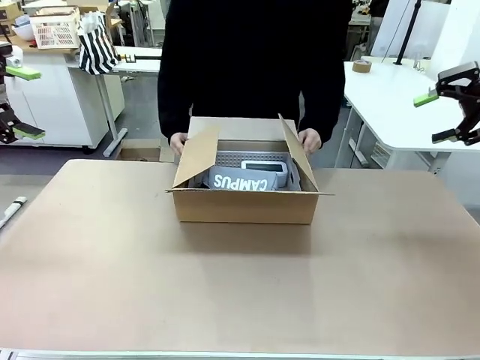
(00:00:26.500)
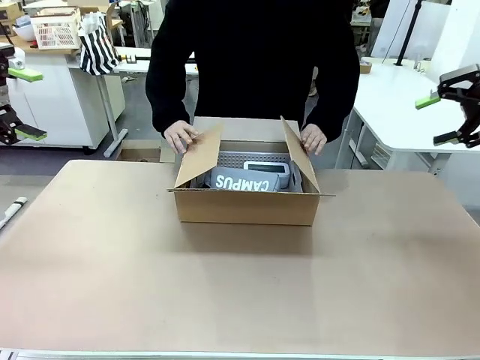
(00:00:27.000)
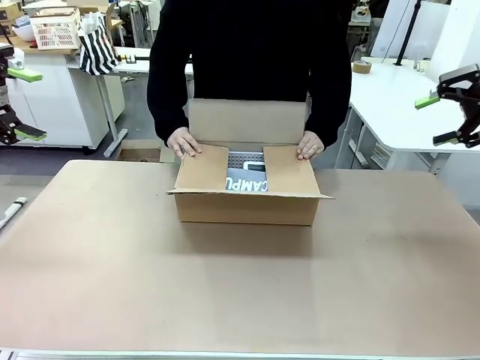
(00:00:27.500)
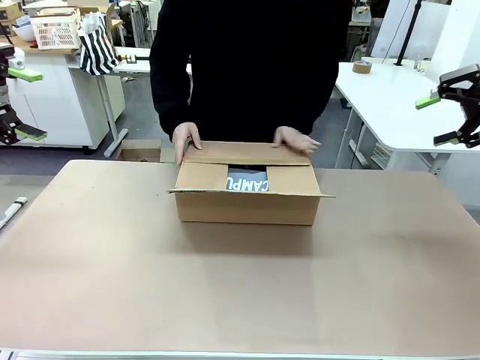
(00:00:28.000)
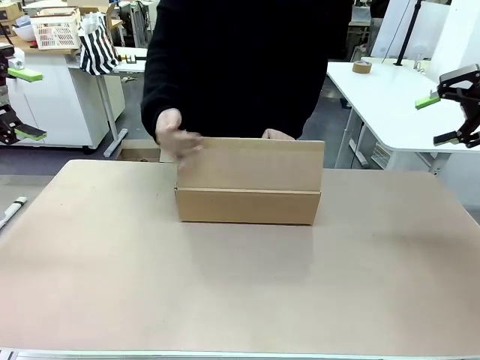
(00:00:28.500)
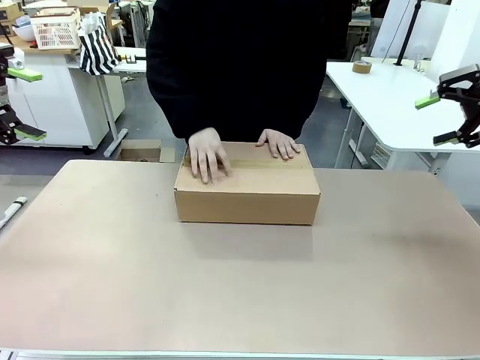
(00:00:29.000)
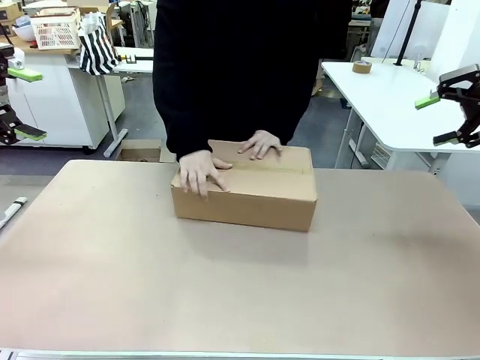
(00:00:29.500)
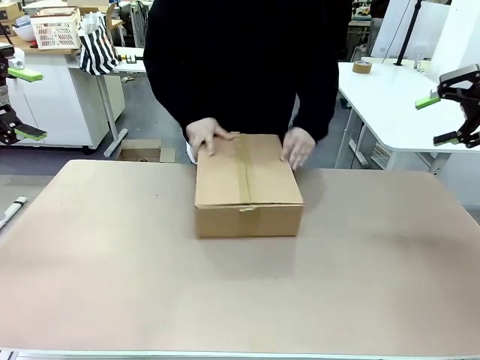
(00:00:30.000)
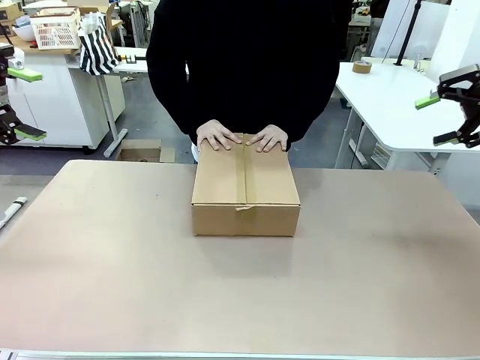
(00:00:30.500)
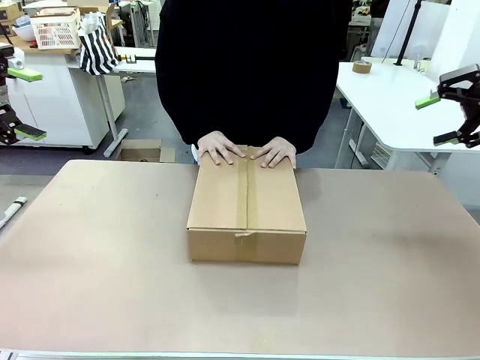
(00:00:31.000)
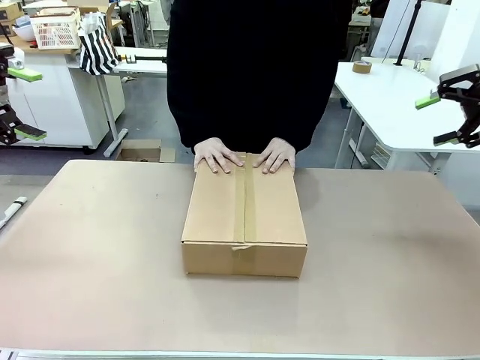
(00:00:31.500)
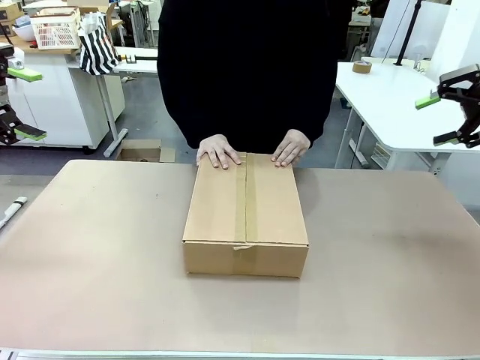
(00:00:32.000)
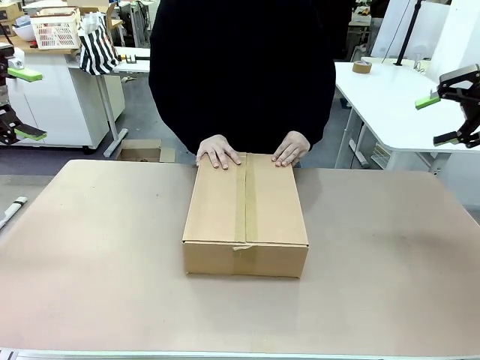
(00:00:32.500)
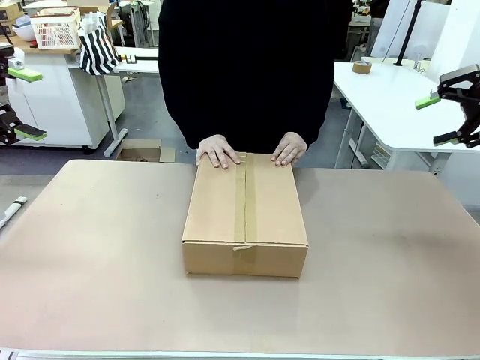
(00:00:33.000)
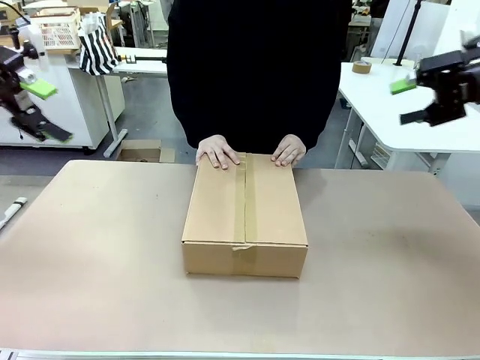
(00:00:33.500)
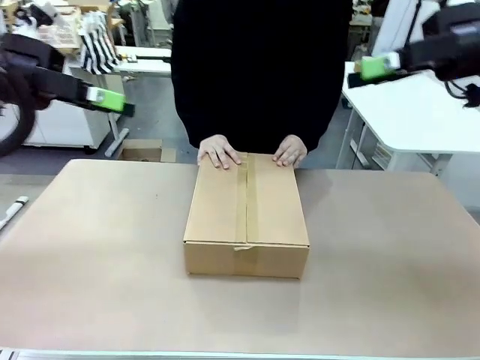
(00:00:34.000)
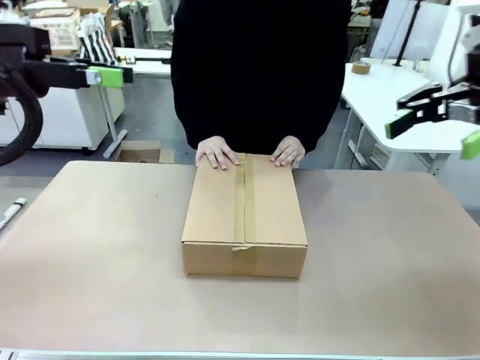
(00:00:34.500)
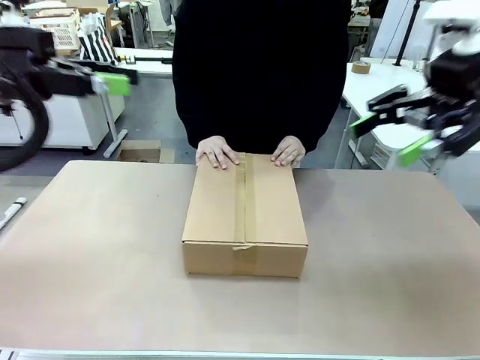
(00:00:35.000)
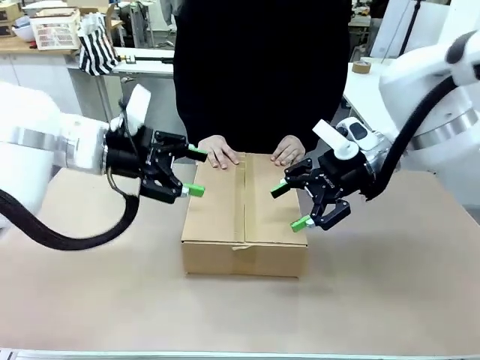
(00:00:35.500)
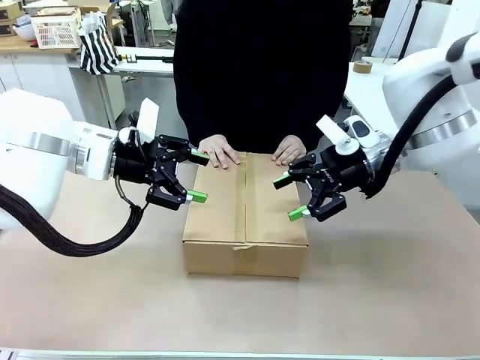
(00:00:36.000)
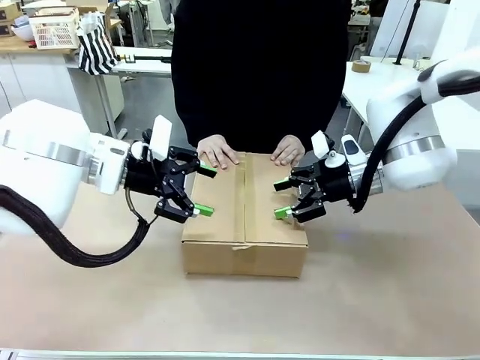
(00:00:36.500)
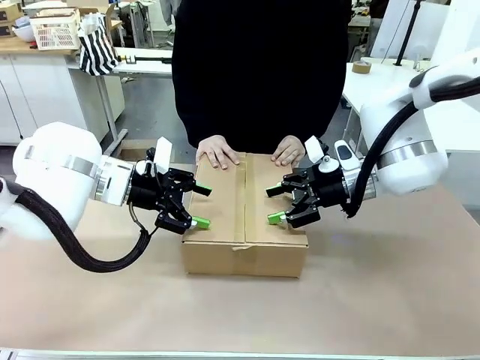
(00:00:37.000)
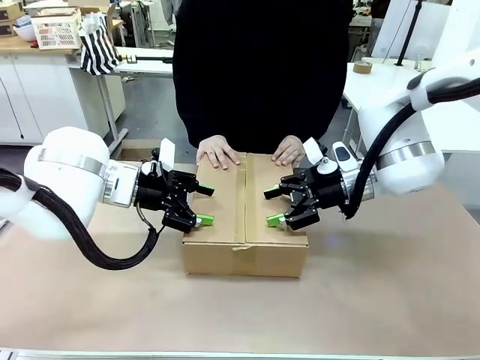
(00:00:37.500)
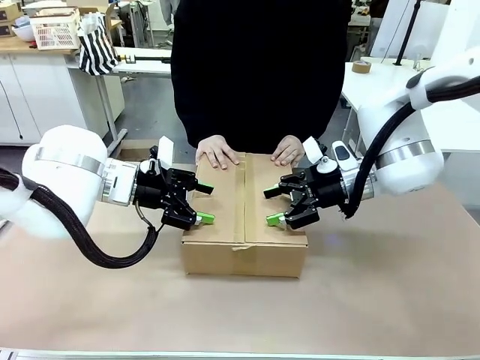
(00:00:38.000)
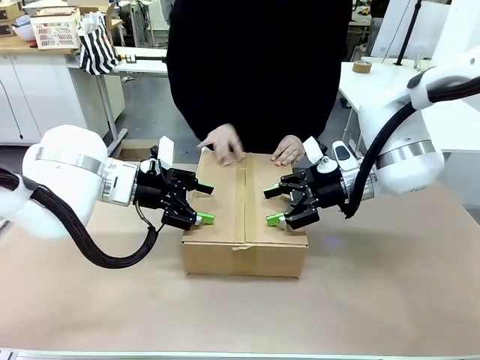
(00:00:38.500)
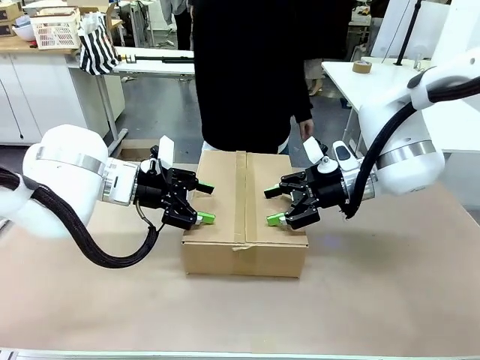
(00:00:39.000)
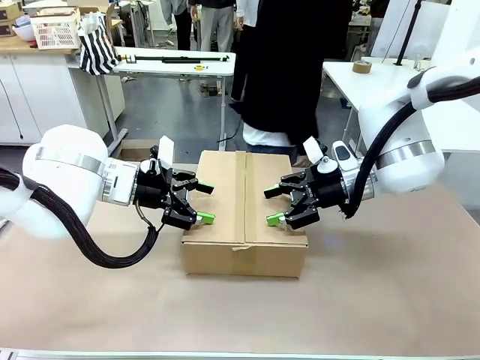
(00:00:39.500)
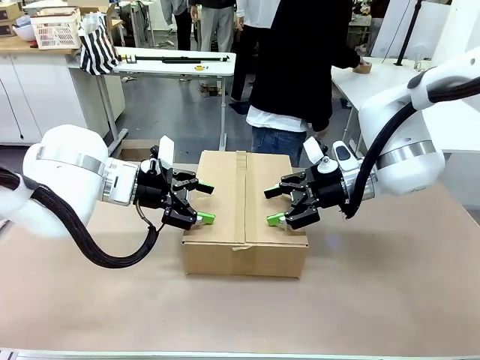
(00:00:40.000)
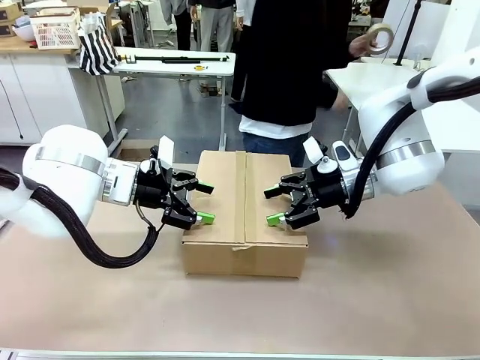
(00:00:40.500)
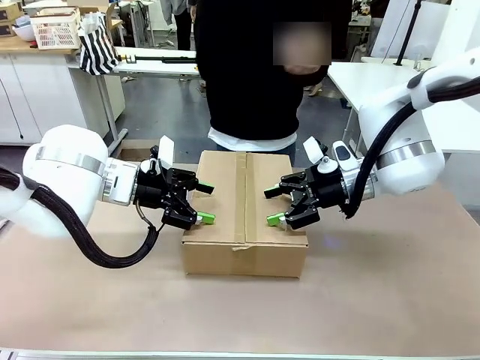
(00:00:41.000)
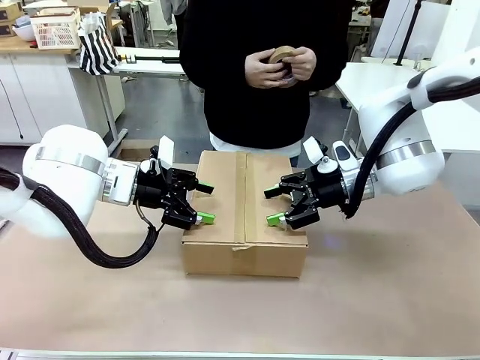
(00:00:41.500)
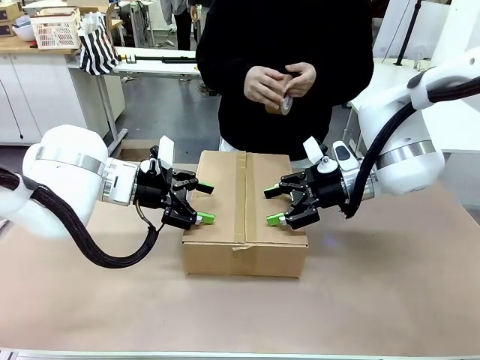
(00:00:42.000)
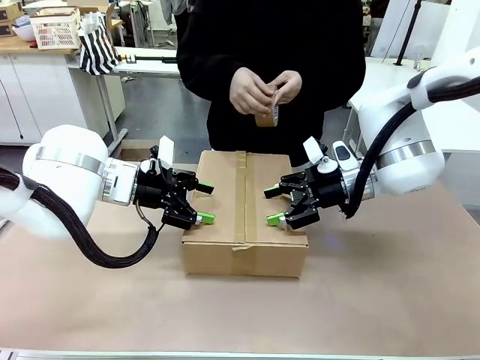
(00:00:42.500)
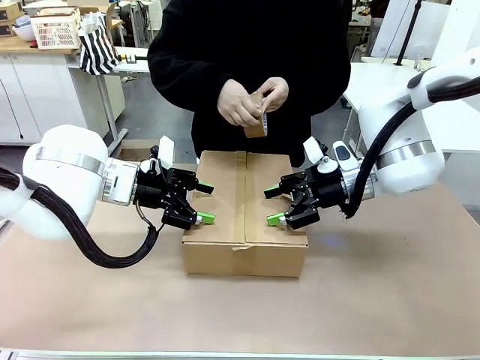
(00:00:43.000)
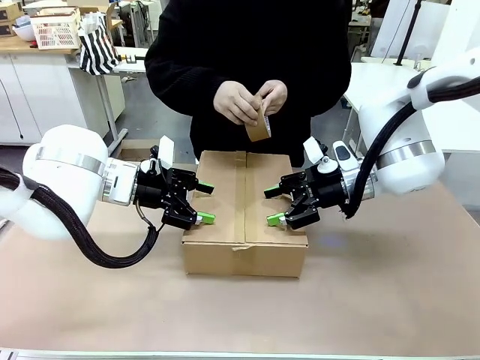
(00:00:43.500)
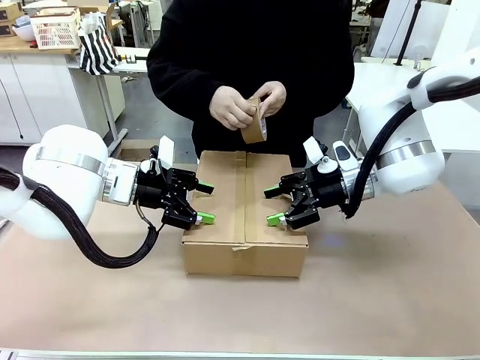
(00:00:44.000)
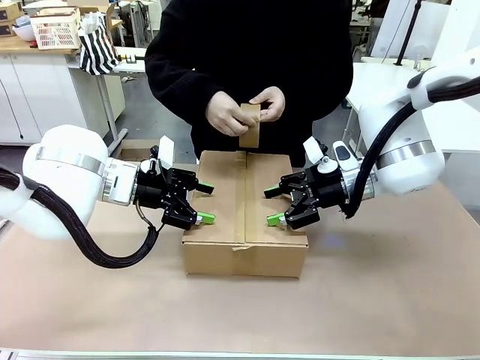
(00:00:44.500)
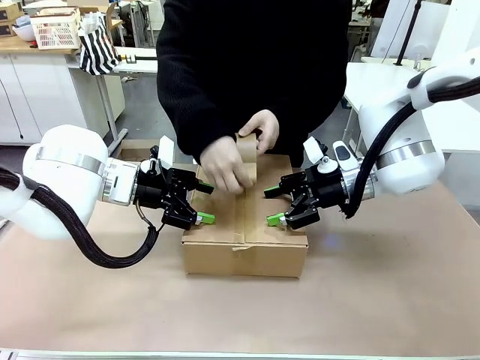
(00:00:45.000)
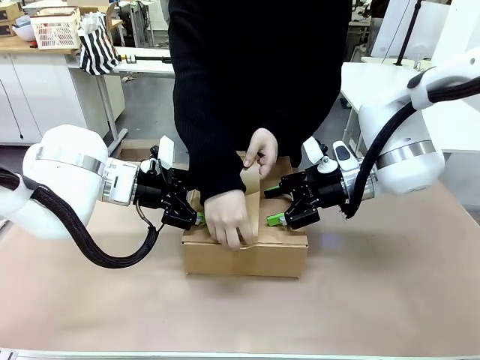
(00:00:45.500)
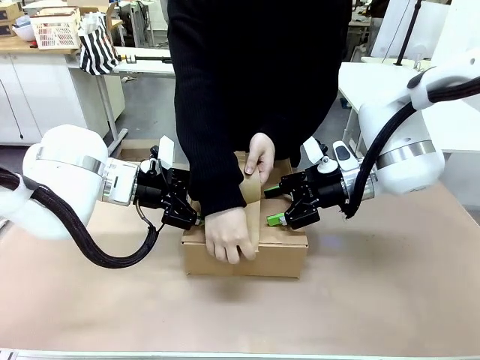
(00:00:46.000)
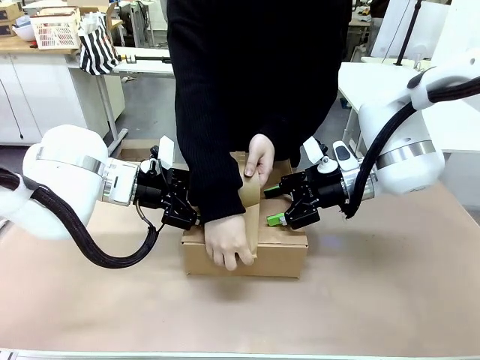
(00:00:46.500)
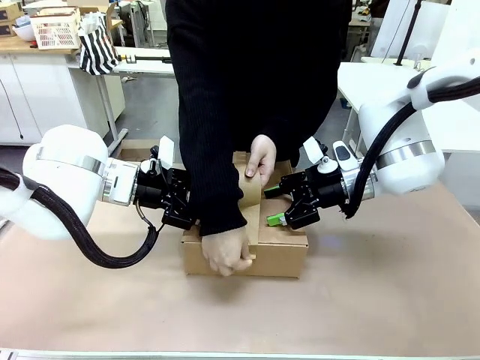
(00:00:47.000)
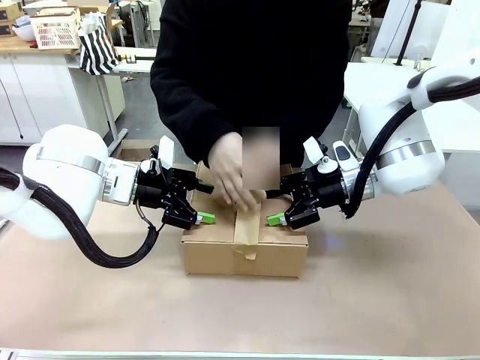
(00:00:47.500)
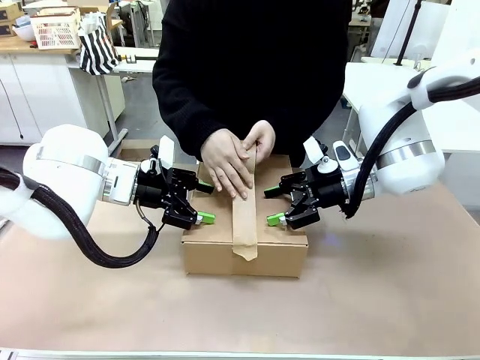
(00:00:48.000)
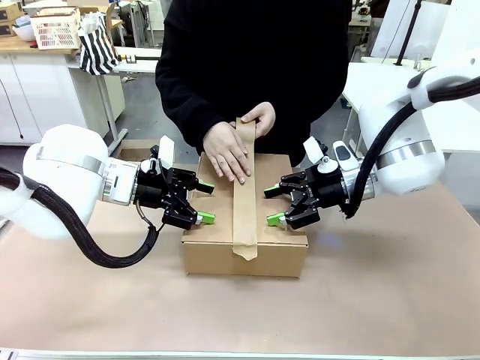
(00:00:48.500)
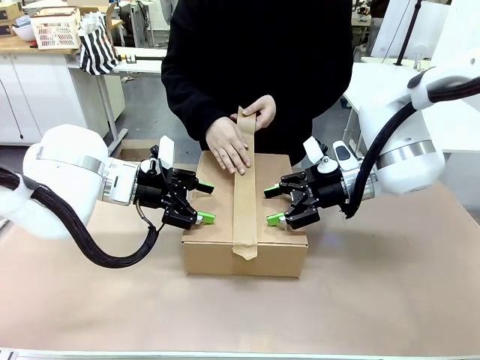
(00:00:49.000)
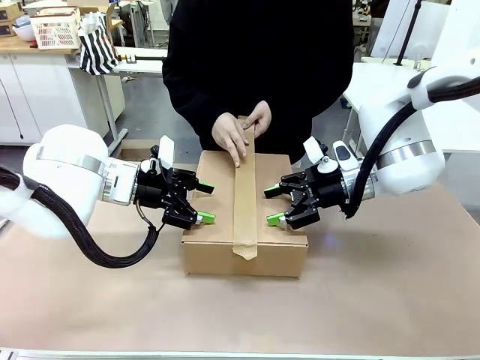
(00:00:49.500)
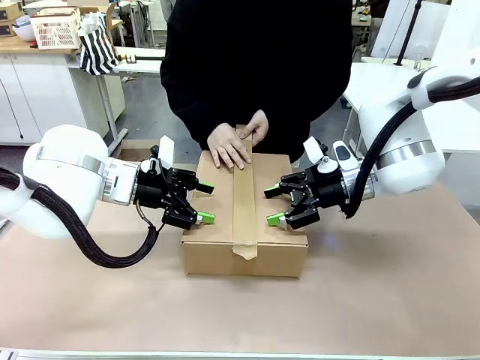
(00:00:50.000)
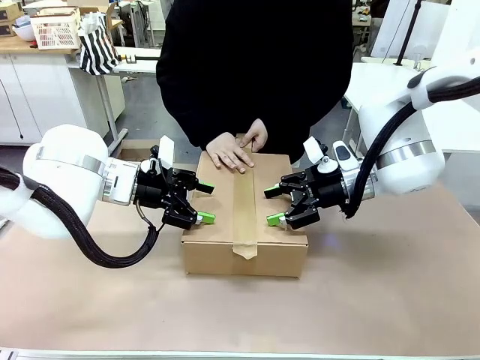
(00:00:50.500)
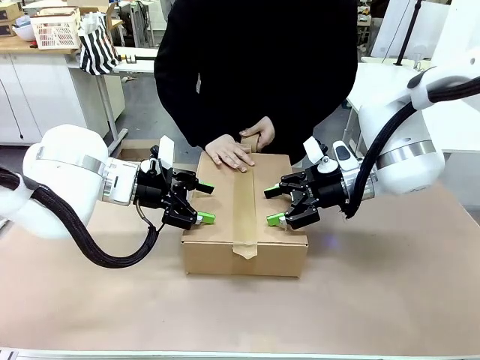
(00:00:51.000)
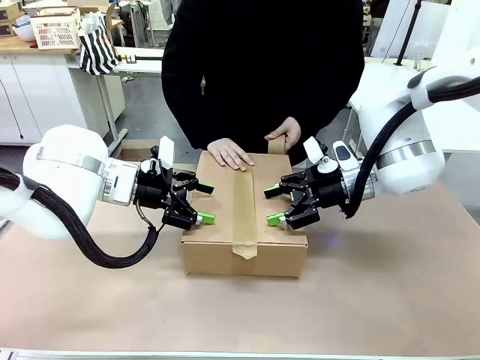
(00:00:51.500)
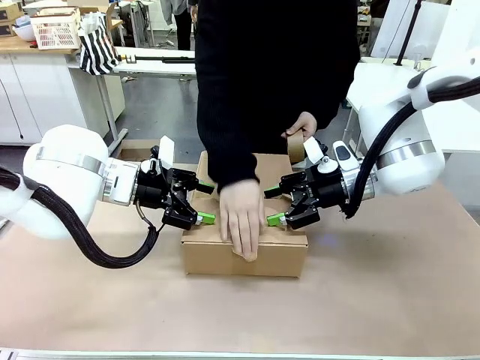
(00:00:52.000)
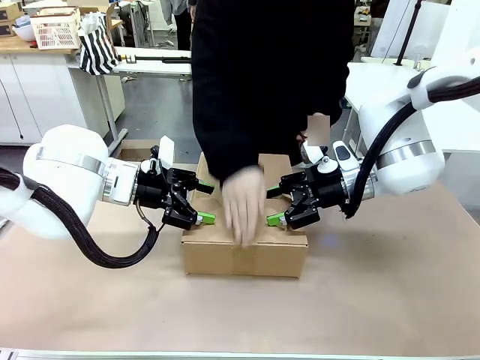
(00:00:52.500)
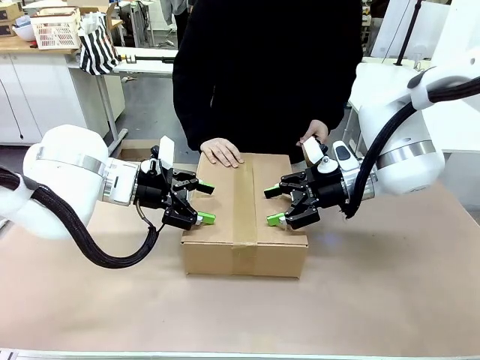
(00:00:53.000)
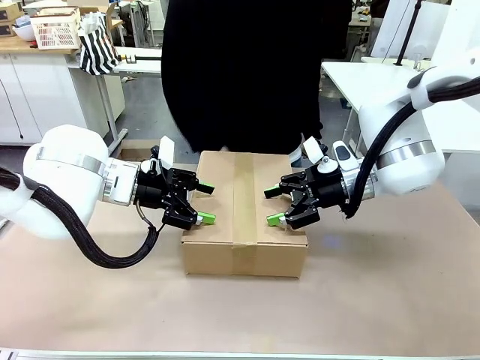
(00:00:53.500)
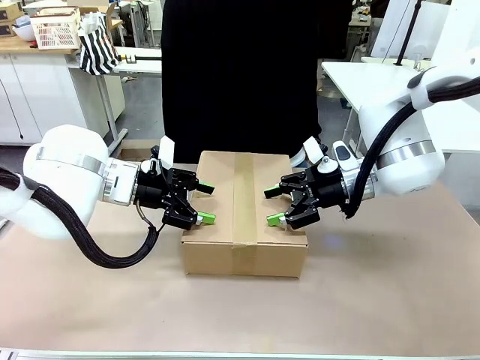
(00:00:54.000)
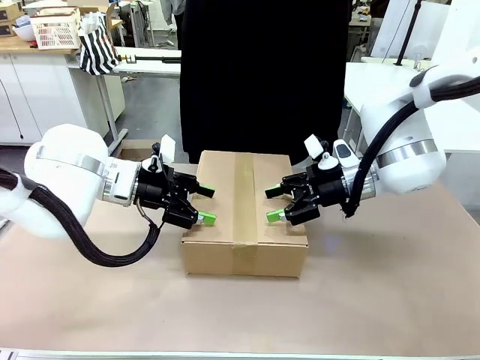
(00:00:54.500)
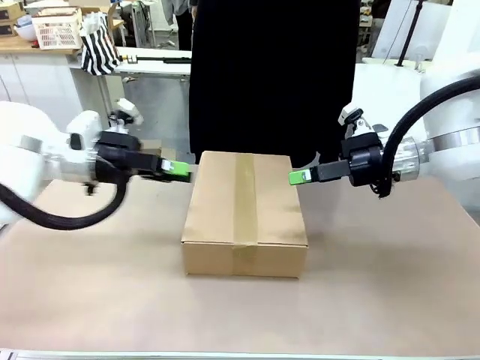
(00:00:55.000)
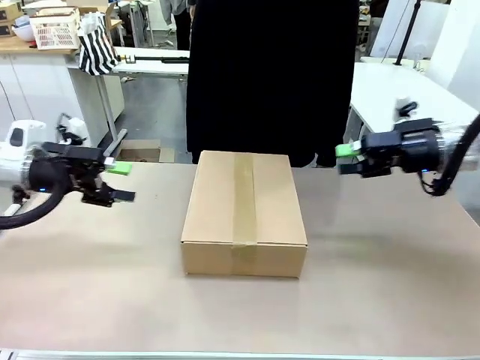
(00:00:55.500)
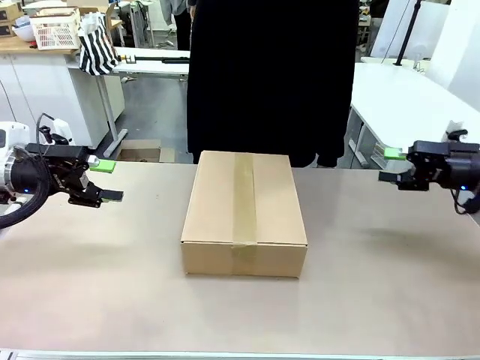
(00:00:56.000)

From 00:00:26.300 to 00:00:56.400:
Task: Pack the gift set into the box.
Robot: Press and hold the closed box until the human finishes sealing it.
Person: The human closes the box and rotates the box by 90 degrees. The human picks up the paper tape from the human table and packs the box.
